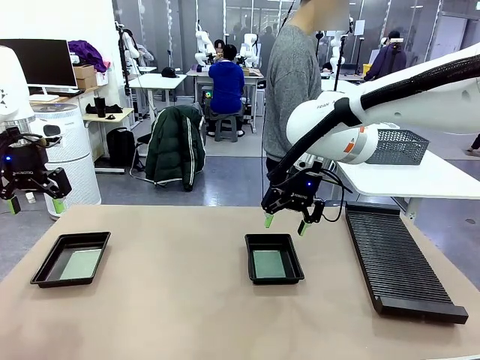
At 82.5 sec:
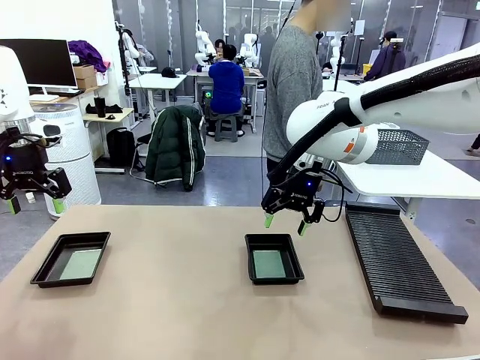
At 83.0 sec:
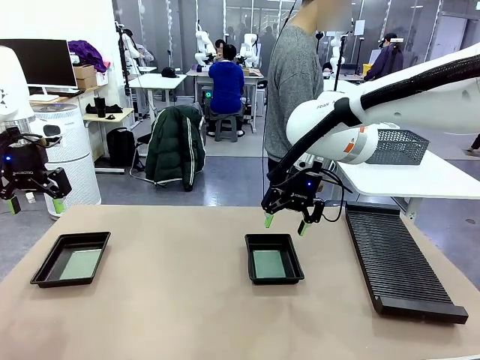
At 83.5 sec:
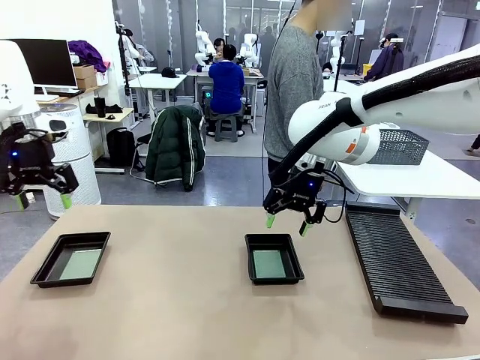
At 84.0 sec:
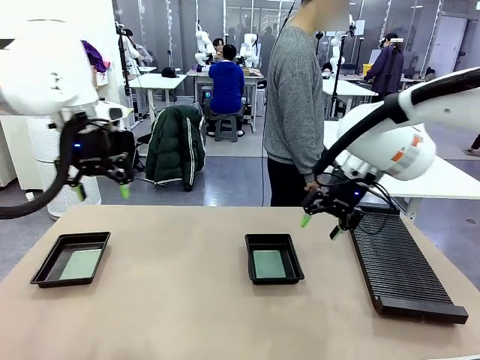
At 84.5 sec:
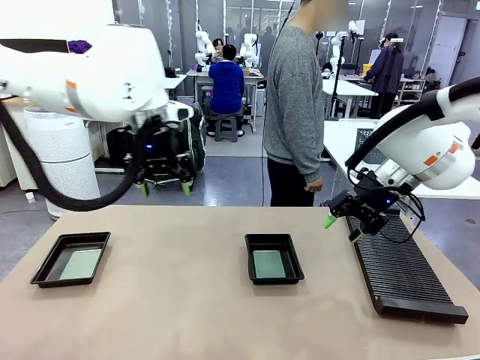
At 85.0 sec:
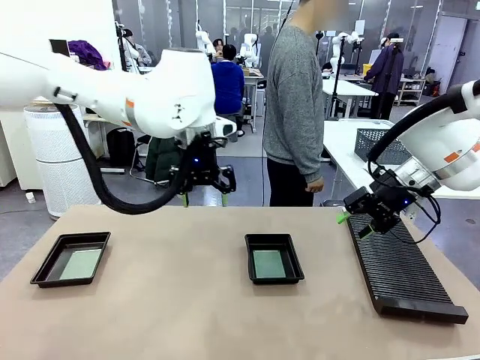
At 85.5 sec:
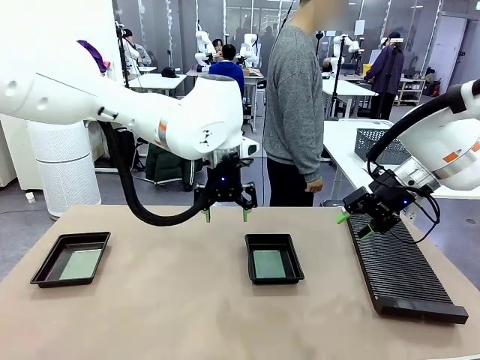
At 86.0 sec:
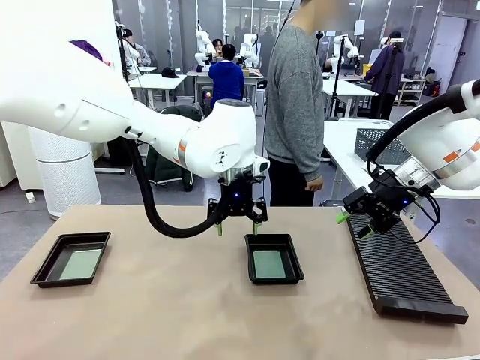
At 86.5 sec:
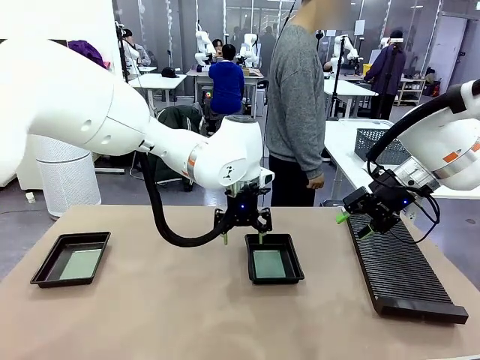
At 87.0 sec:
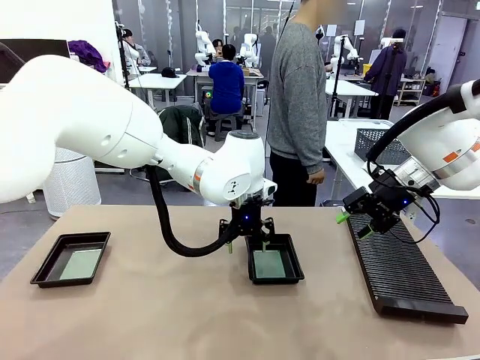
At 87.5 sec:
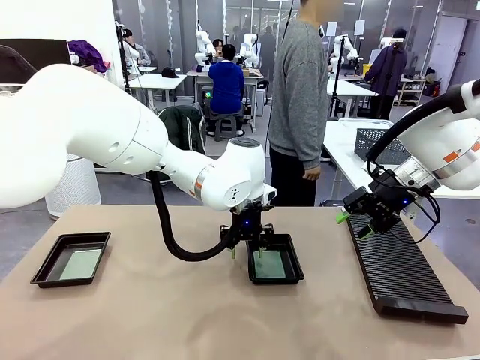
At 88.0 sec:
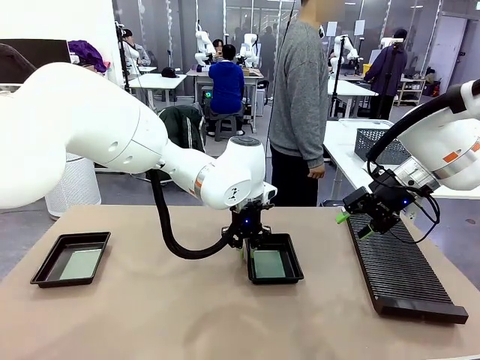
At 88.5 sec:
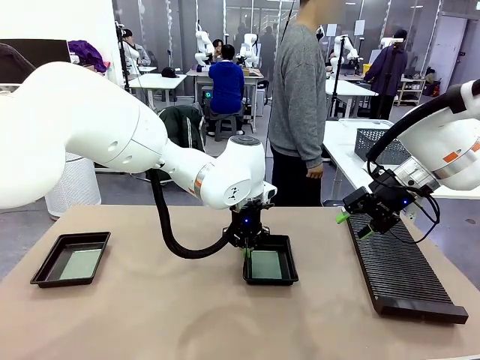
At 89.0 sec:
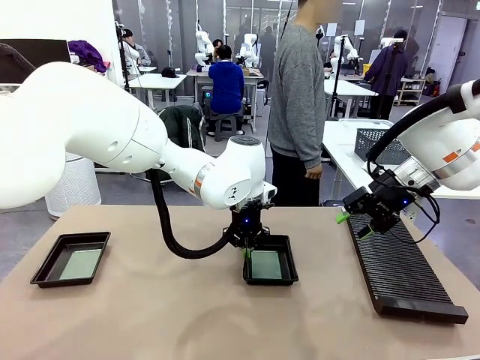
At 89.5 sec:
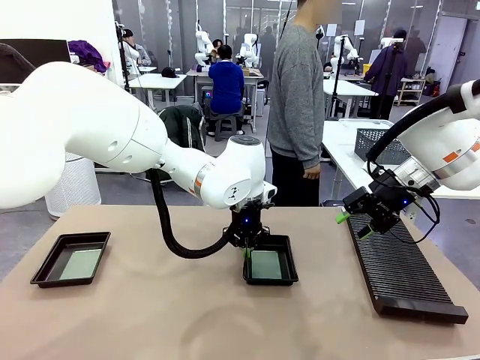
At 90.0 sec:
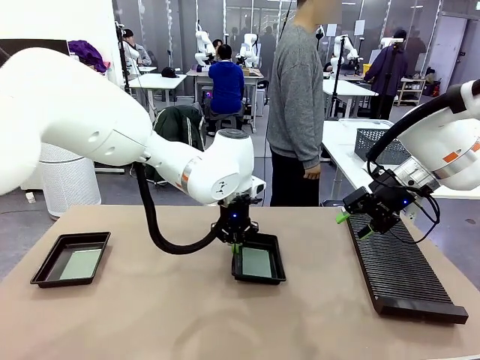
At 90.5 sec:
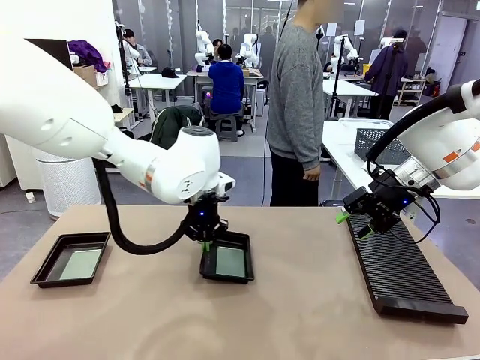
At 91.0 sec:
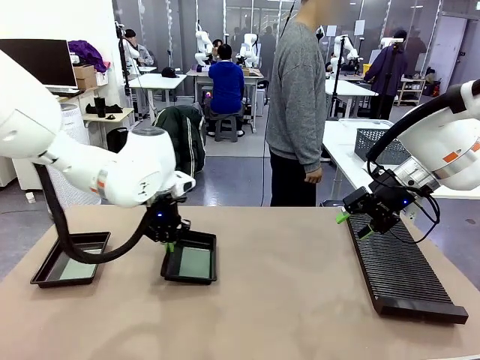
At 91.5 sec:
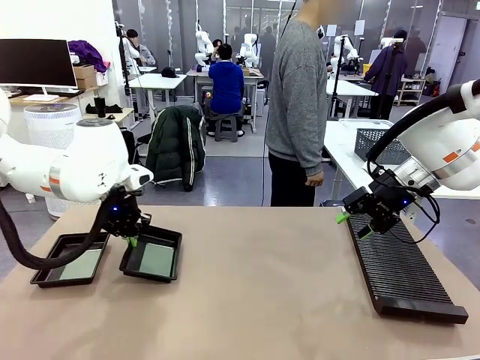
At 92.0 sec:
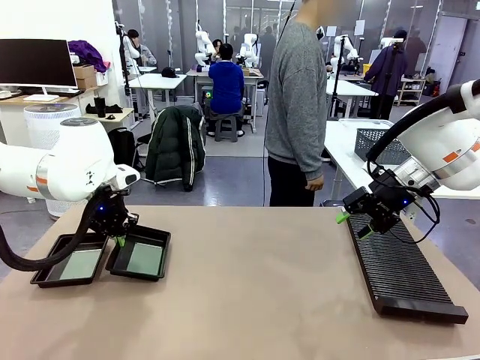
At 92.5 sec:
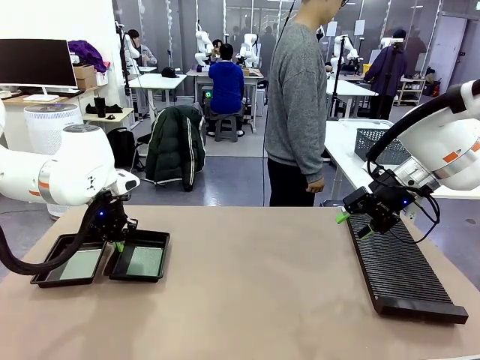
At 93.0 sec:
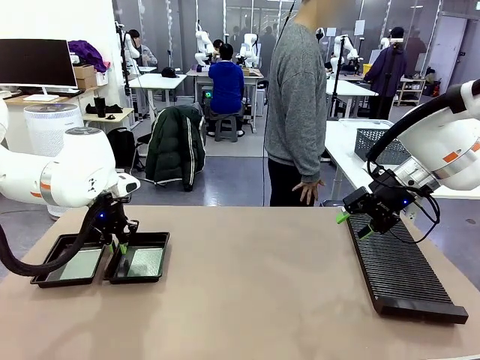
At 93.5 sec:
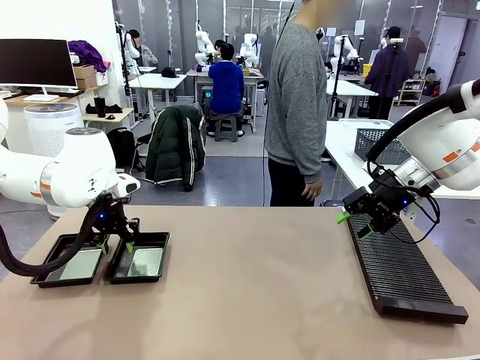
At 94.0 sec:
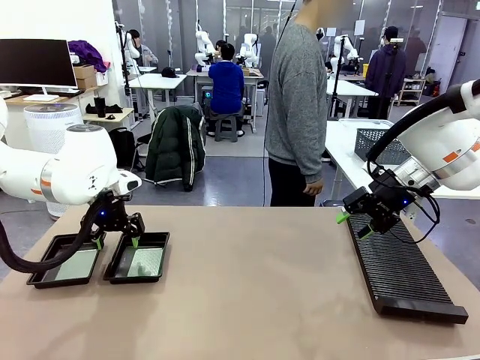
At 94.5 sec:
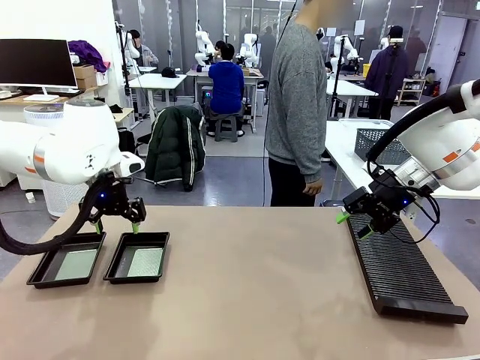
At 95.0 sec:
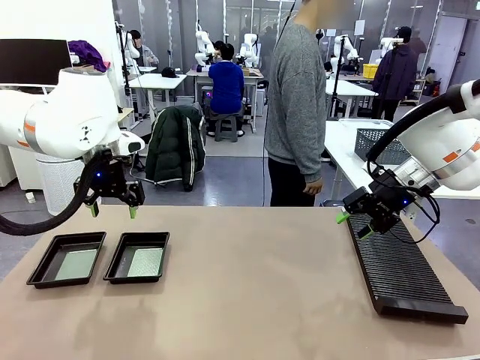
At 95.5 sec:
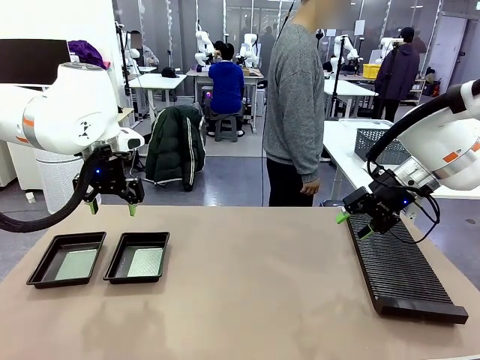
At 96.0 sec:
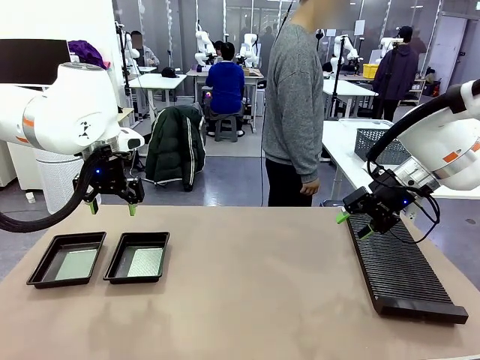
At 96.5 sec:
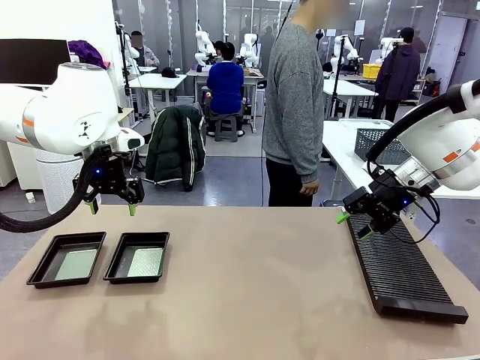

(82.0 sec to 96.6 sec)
Task: Inspect and transfer BCBs to ESD trays.
Robot: Pick up the ESD tray and place it on the left side of the table.
